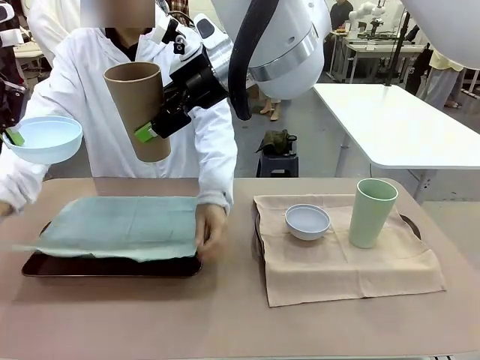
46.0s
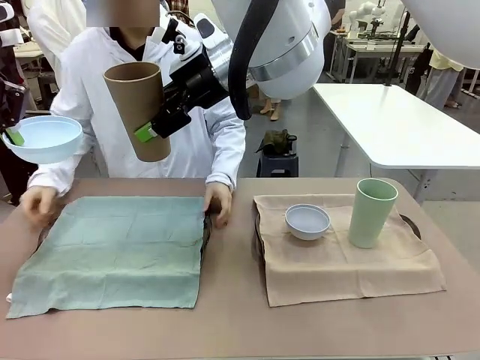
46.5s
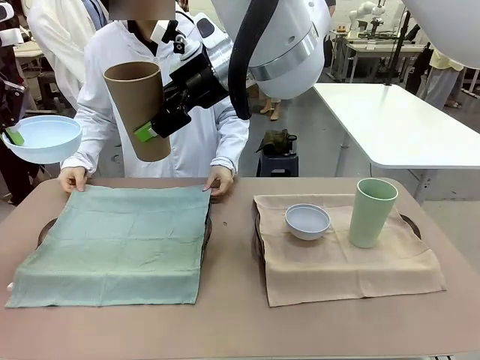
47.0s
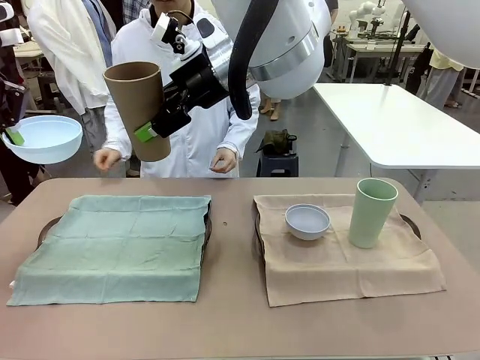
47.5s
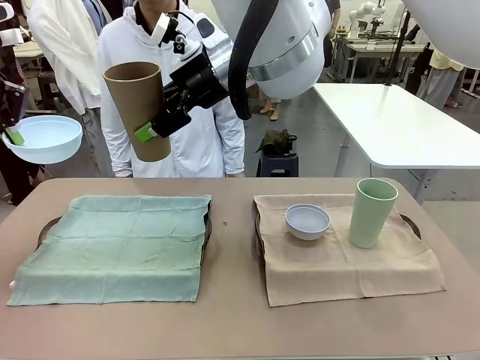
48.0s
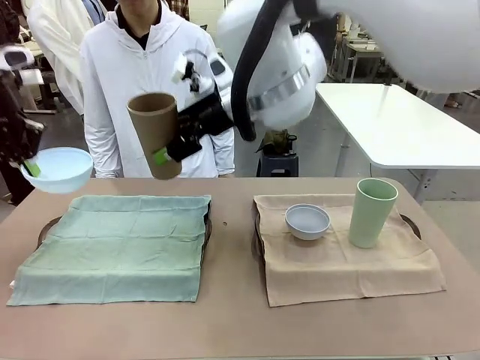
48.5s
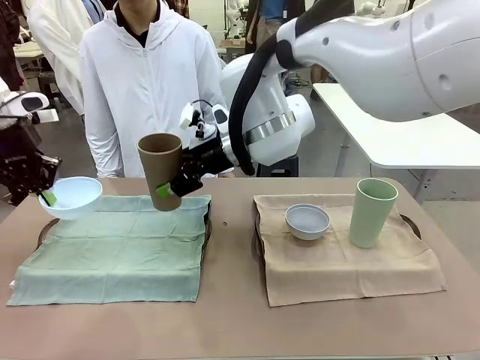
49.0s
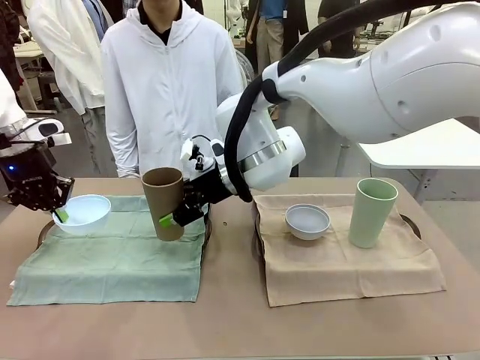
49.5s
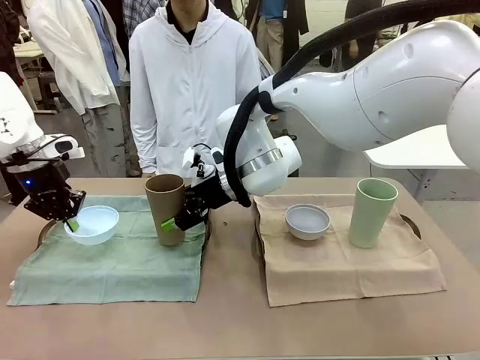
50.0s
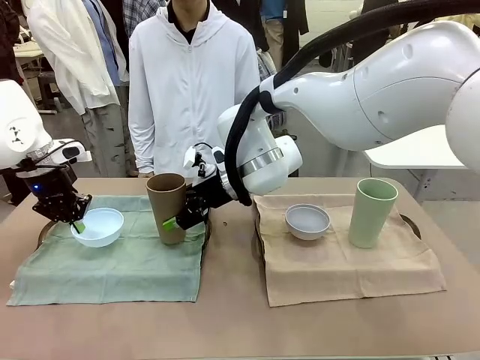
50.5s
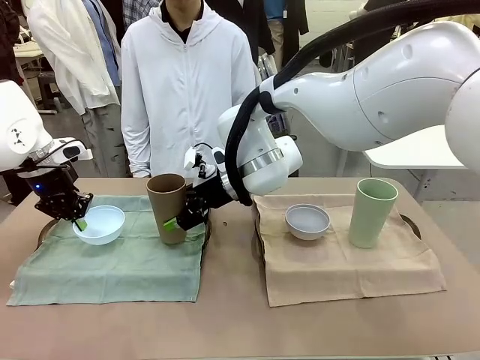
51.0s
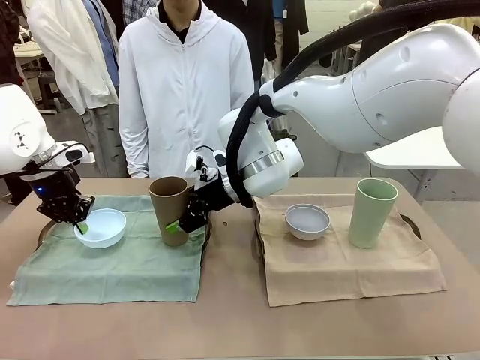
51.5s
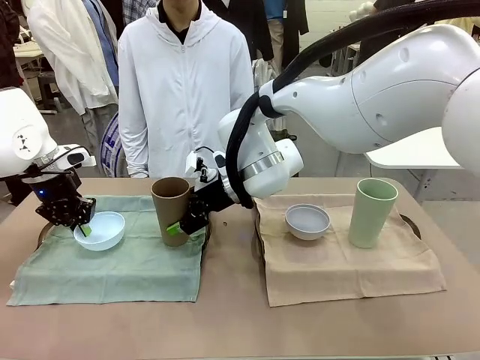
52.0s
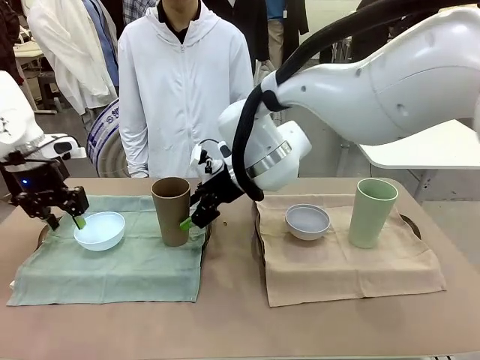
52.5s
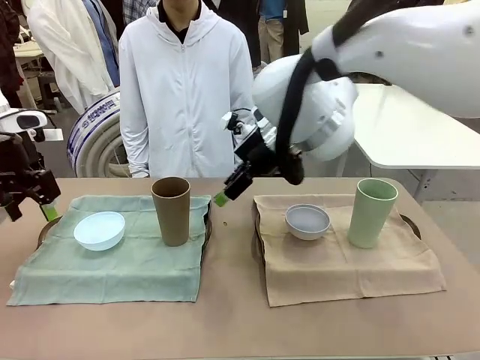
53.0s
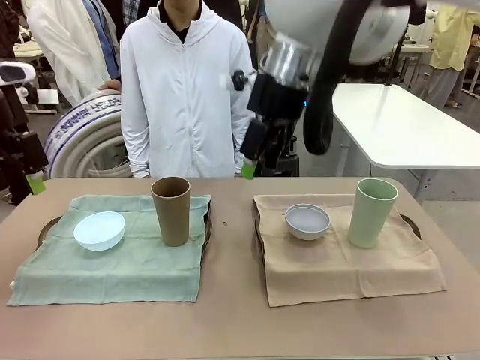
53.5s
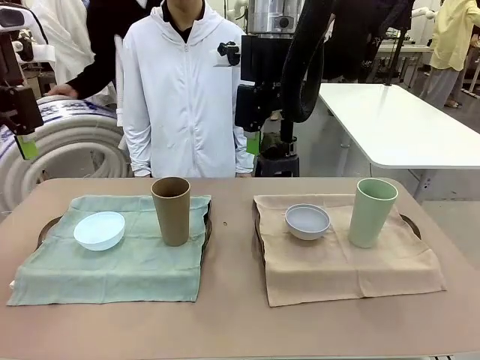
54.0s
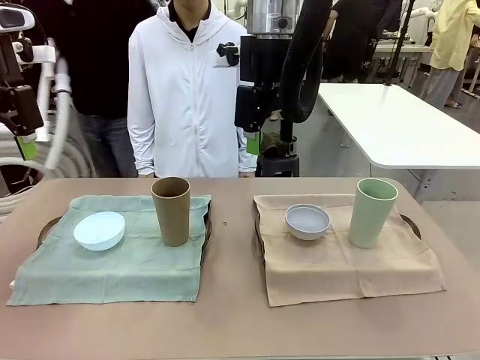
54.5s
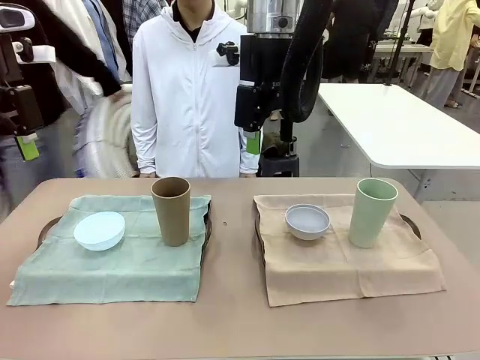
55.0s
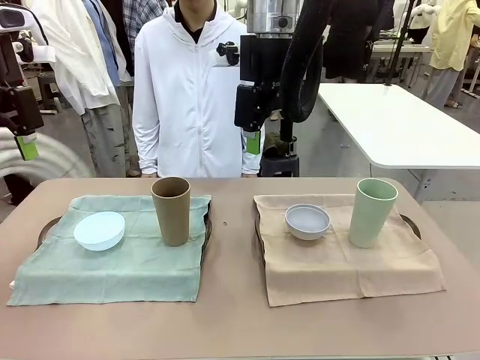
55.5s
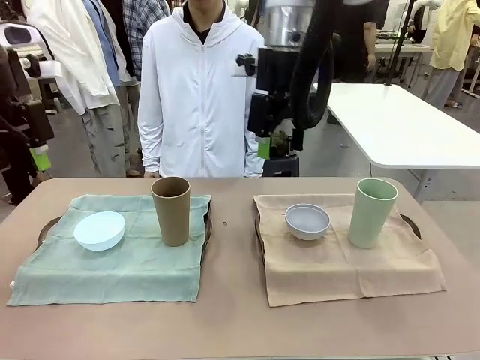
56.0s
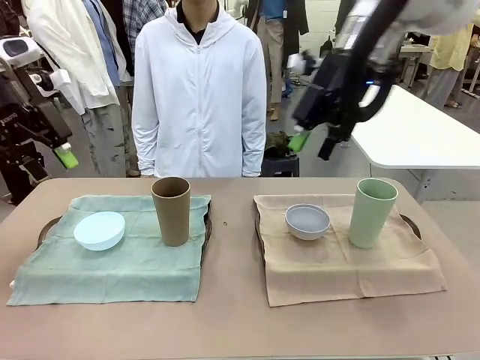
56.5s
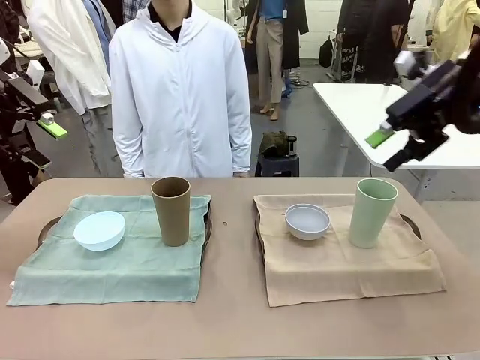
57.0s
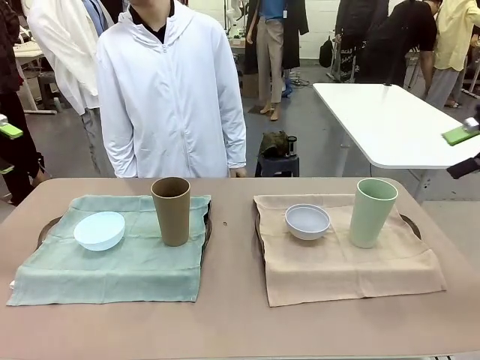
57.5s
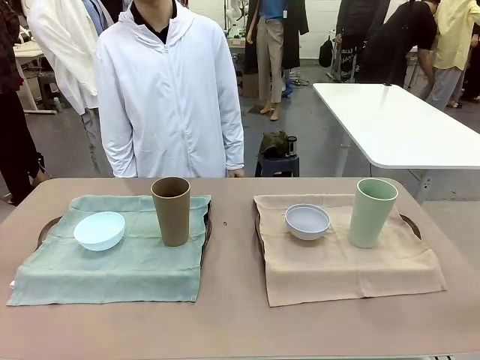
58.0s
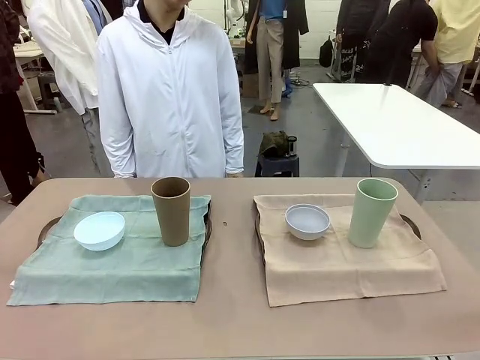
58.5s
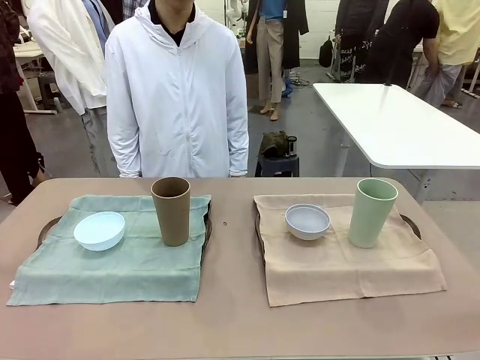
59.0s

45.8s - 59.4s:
Robot: Place the Picnic Bowl and Reusable plastic cup back onto the Handle tray in front of the human's position.
Person: When the robot lifts the bowl and the cup, the human unfolds the napkin and lays the napkin flat on the tray.
